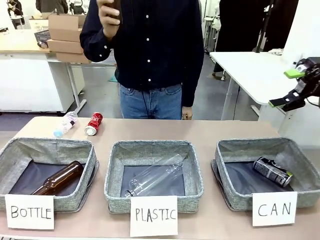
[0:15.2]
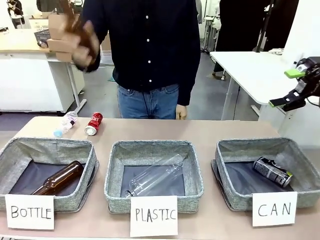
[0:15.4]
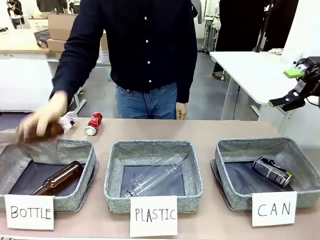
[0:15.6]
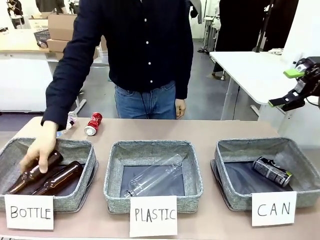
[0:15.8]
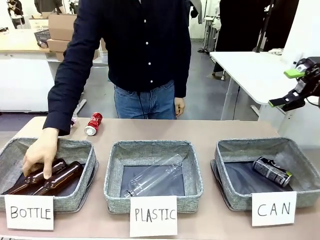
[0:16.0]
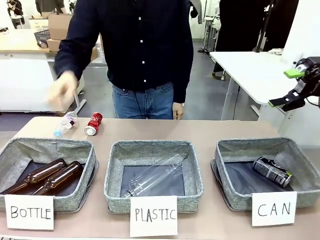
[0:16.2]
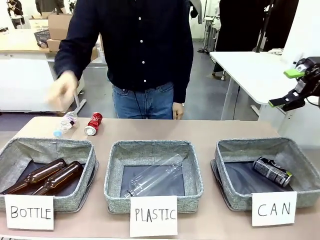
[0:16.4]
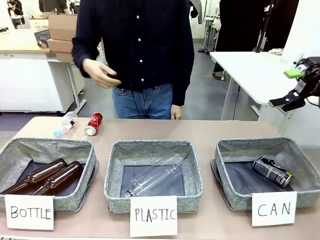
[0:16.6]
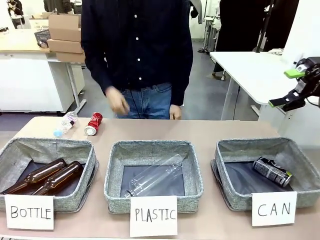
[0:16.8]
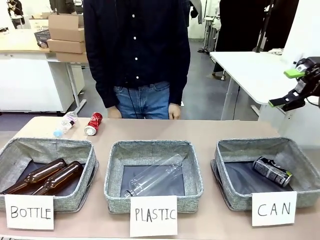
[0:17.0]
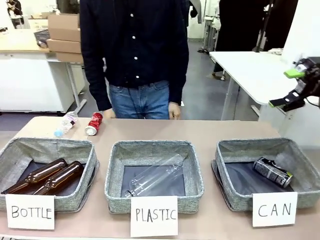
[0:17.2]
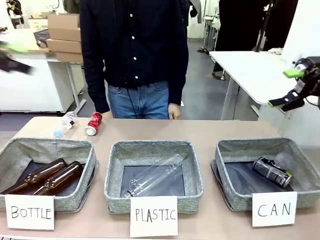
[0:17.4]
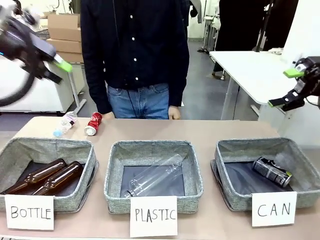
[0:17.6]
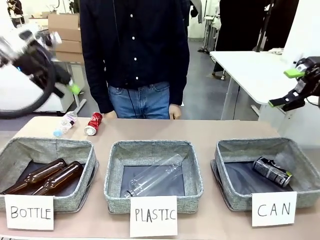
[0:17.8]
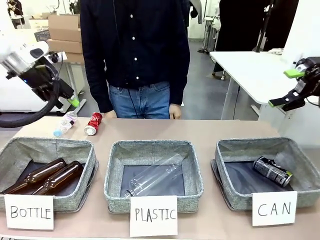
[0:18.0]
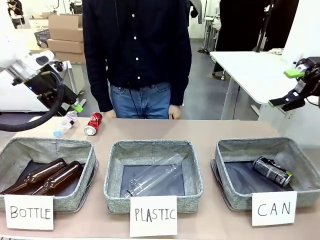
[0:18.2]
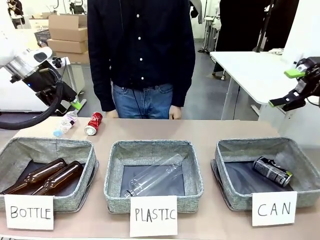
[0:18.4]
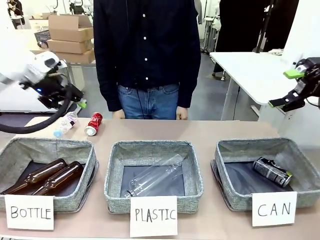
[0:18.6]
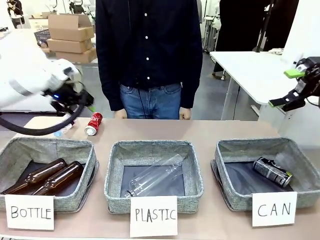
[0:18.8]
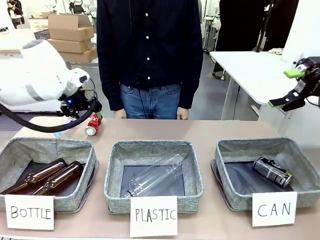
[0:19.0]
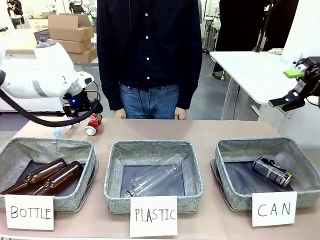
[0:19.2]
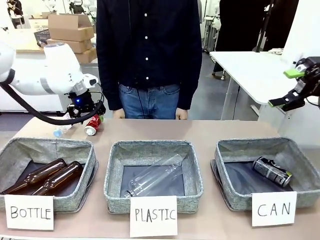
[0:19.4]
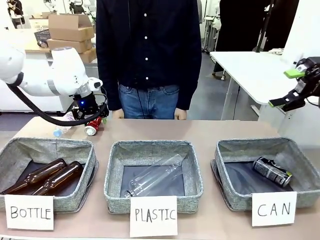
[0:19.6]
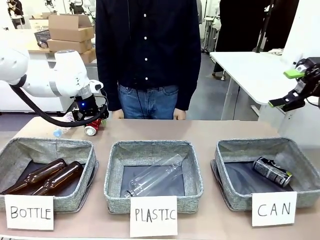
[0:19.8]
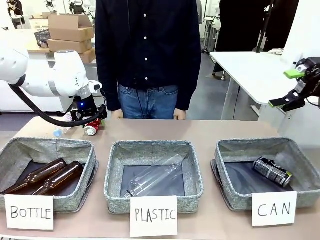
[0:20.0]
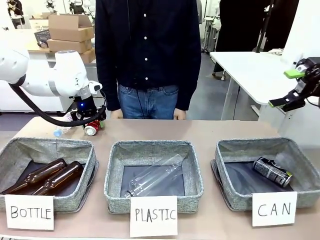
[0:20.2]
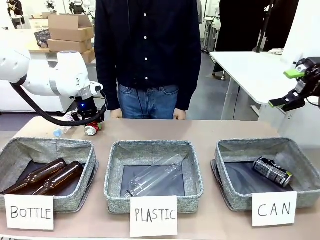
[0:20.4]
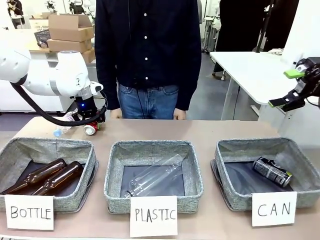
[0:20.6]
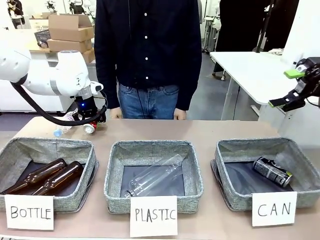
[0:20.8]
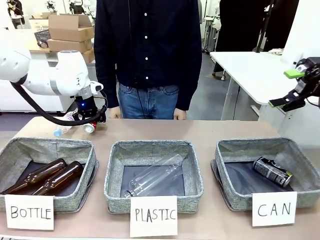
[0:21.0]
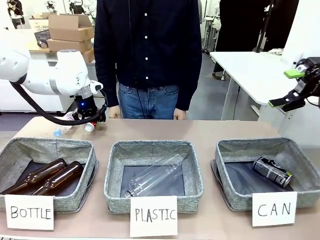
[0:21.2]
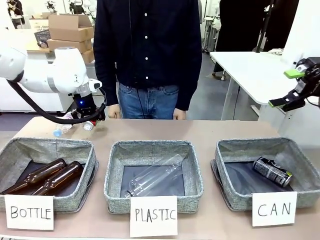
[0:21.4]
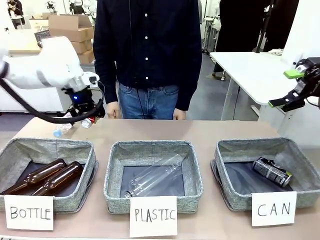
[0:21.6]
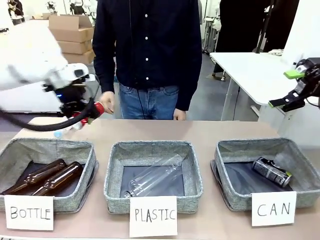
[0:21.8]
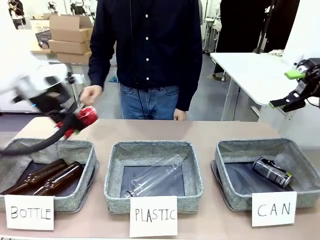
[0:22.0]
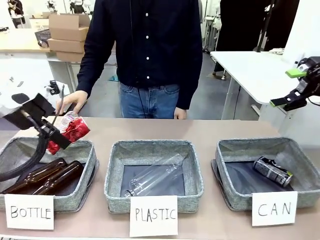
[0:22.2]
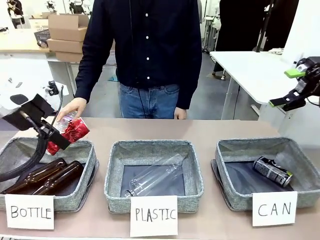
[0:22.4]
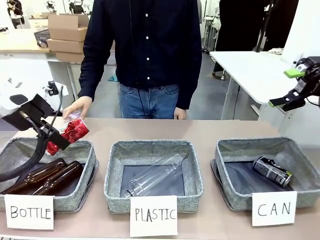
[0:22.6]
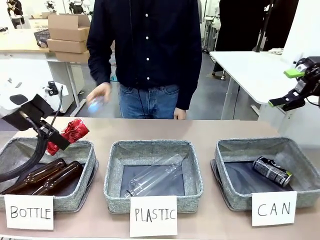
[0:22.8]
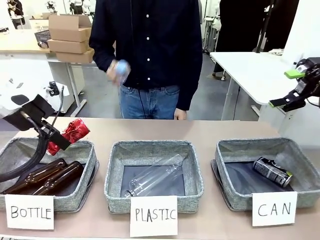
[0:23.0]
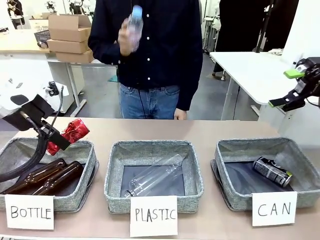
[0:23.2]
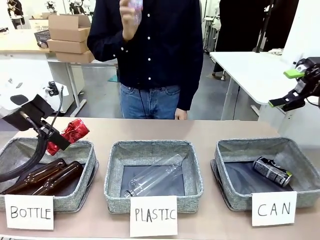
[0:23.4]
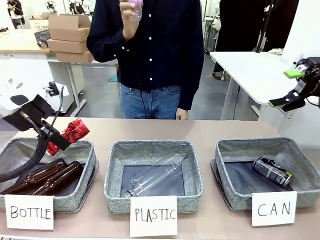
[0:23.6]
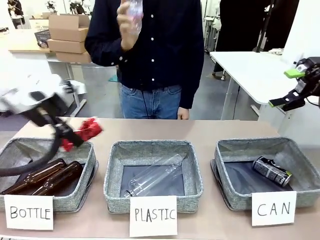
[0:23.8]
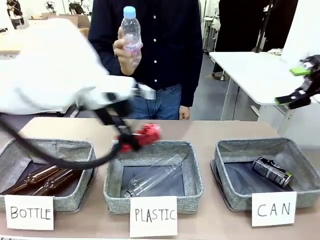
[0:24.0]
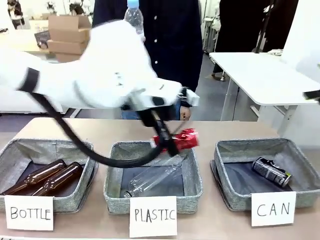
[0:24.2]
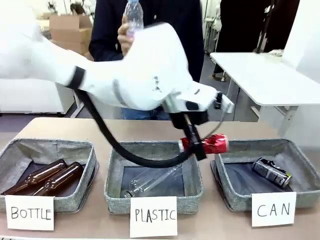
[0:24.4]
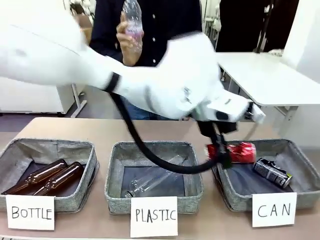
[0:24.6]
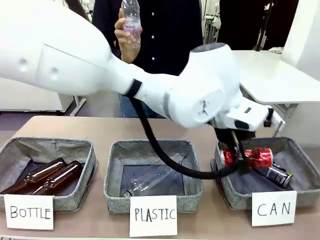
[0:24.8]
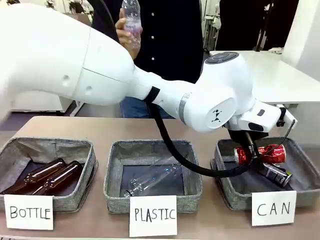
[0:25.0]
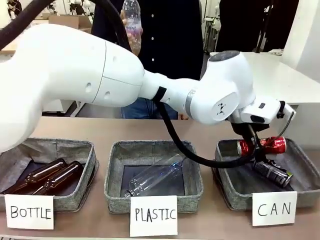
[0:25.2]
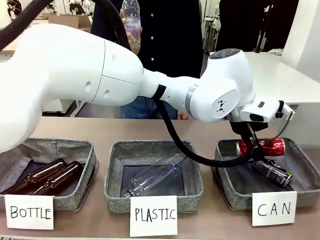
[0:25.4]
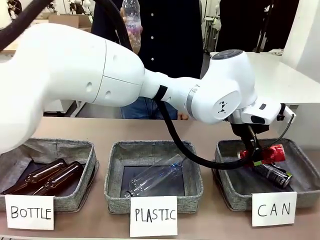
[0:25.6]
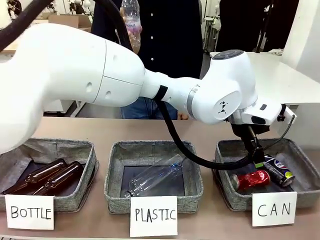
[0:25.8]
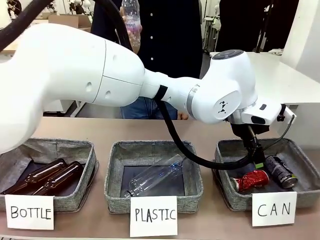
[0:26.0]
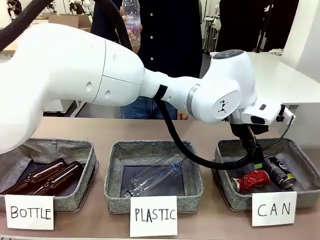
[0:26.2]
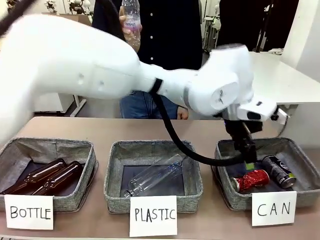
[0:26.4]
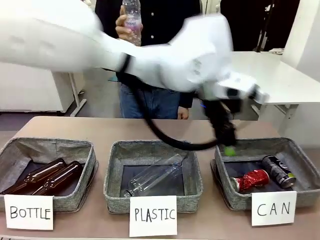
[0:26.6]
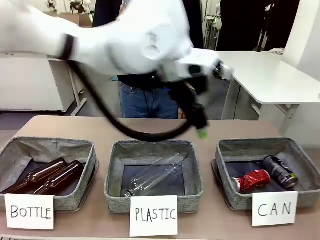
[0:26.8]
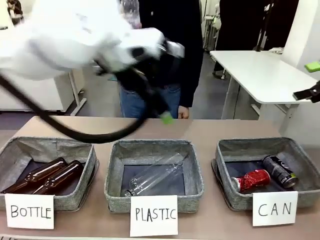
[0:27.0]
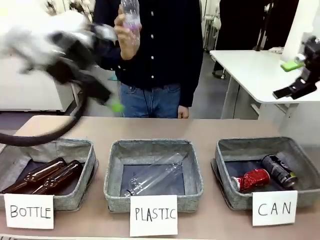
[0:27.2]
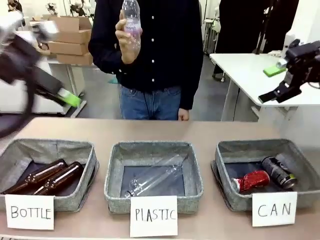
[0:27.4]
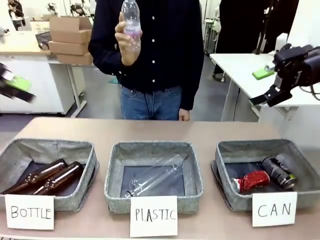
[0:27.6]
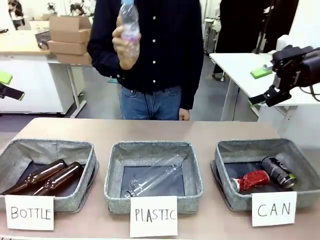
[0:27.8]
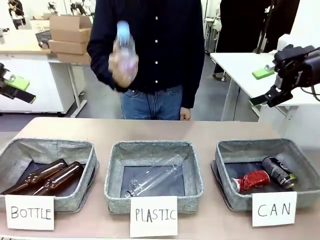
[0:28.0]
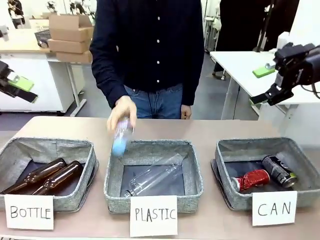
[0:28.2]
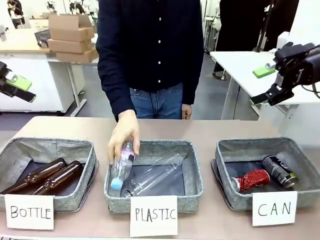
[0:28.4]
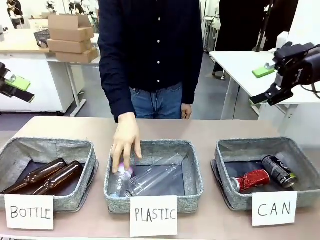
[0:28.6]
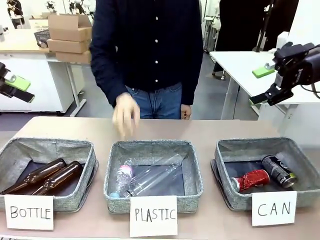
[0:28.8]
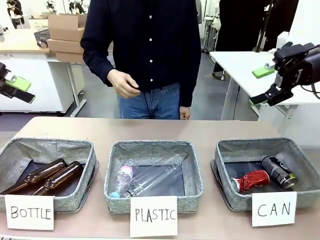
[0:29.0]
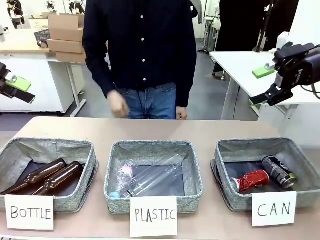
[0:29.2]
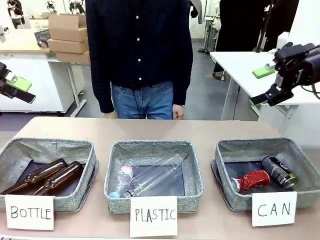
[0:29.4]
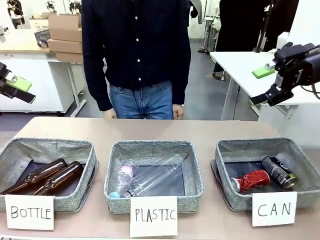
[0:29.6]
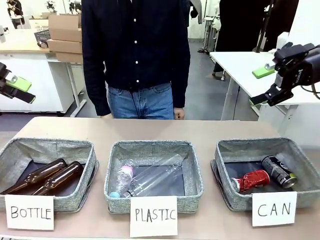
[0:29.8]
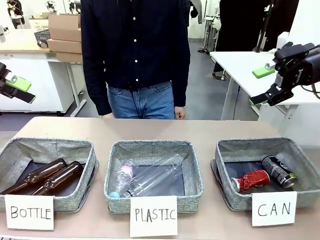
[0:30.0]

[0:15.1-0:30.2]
Task: Sort the can waste into the basket.
Robot: Pick up the can waste from the table and place it in the right Fabric basket.
